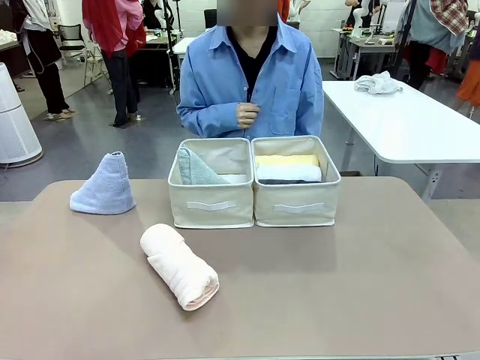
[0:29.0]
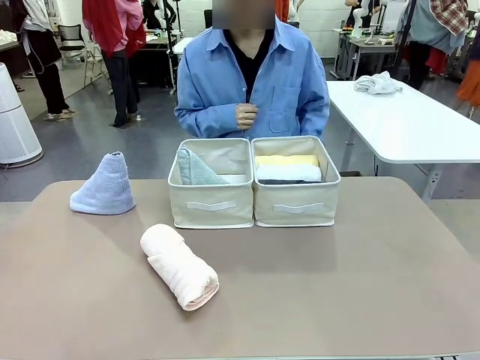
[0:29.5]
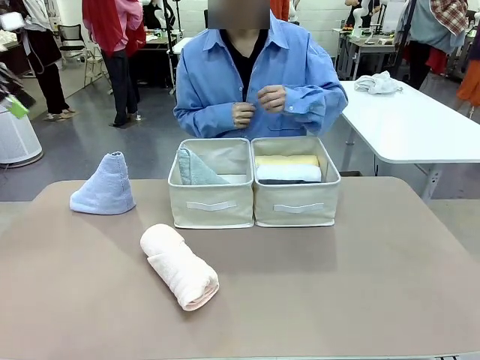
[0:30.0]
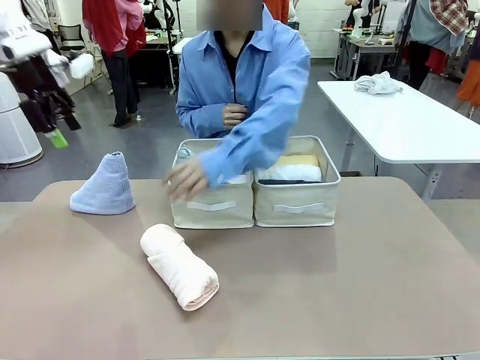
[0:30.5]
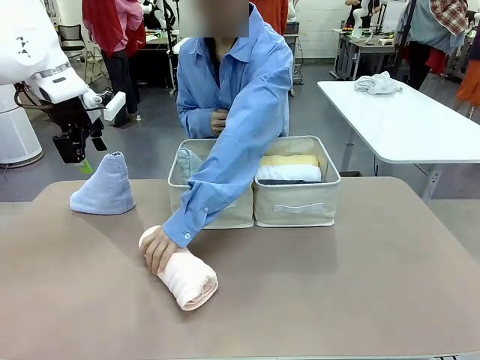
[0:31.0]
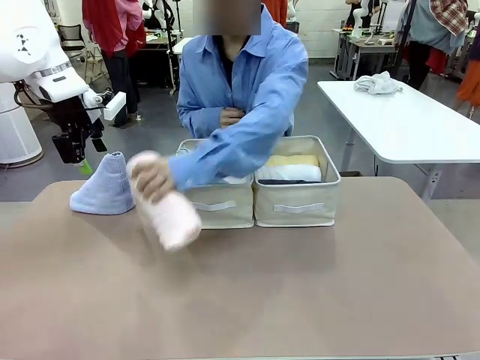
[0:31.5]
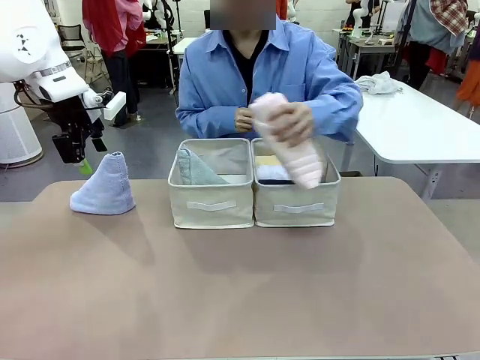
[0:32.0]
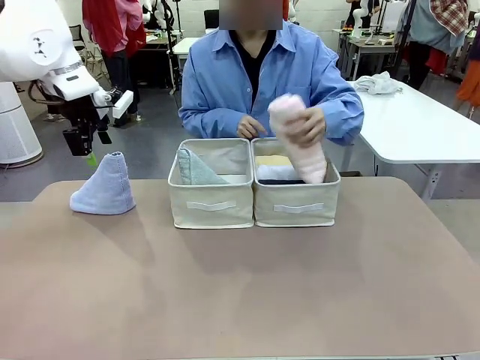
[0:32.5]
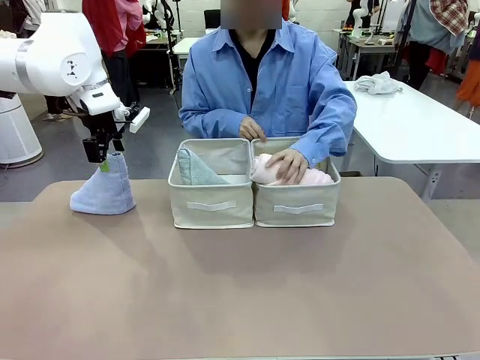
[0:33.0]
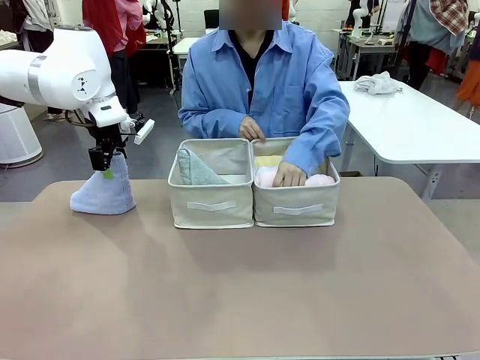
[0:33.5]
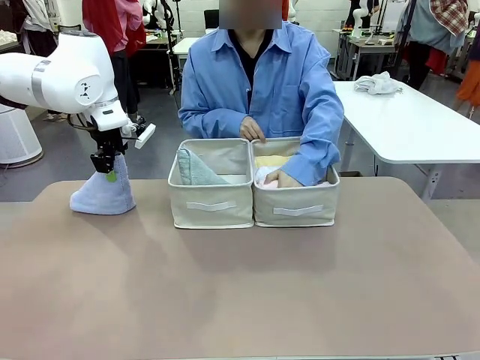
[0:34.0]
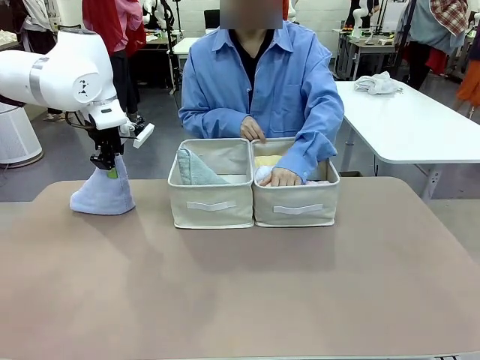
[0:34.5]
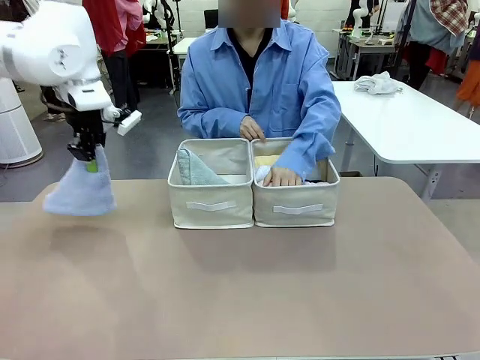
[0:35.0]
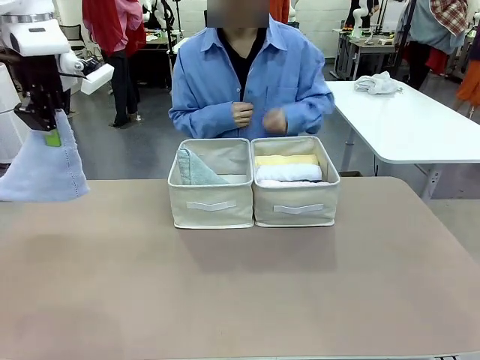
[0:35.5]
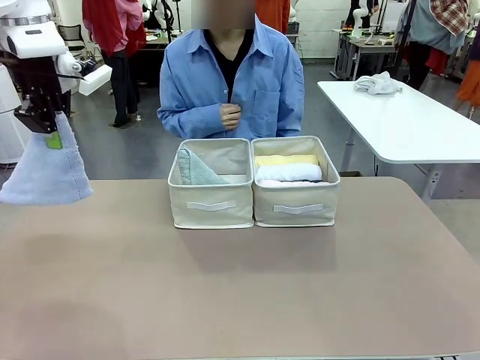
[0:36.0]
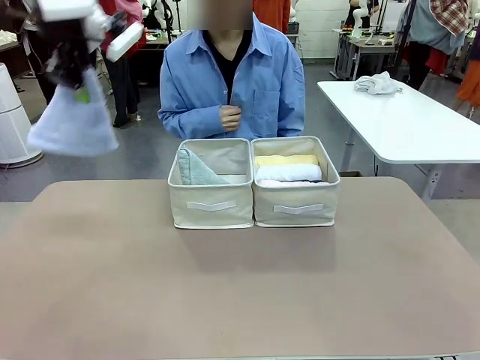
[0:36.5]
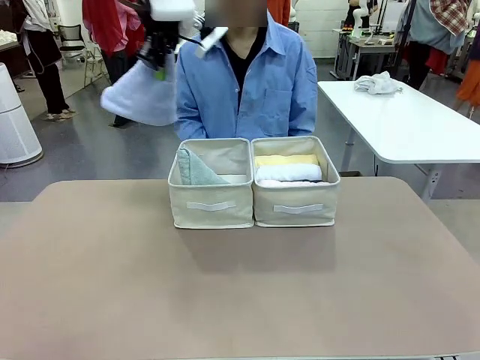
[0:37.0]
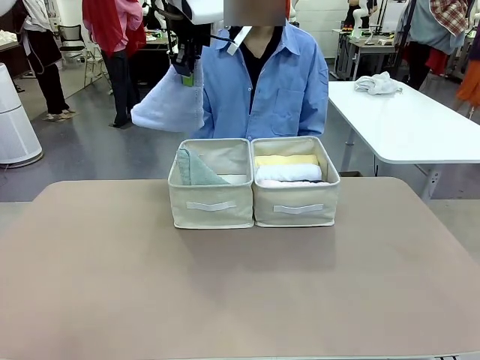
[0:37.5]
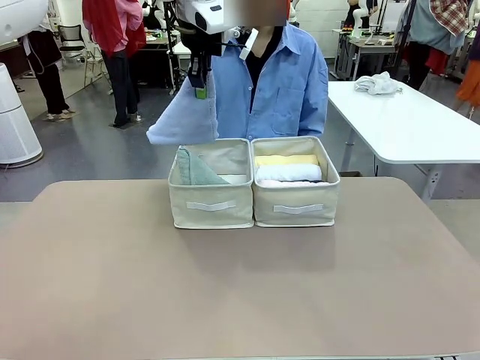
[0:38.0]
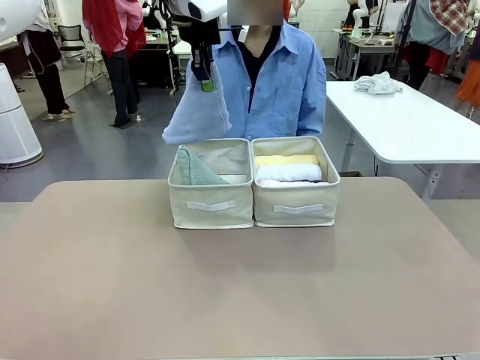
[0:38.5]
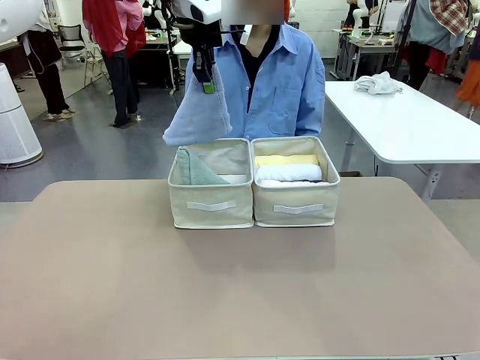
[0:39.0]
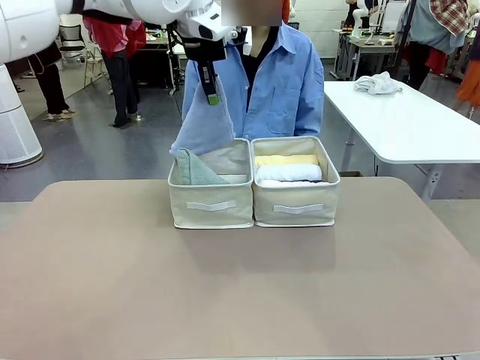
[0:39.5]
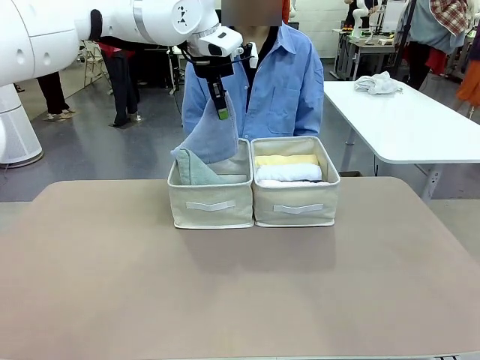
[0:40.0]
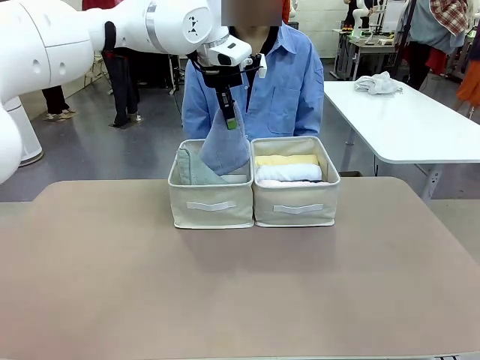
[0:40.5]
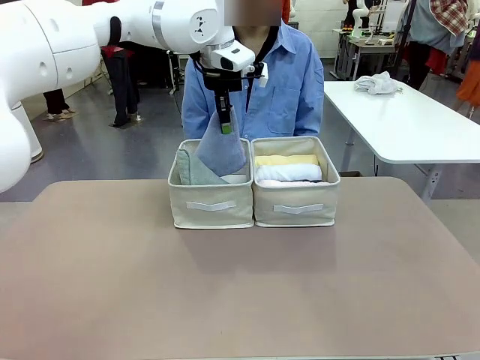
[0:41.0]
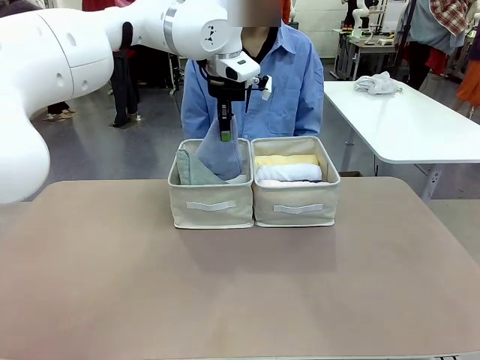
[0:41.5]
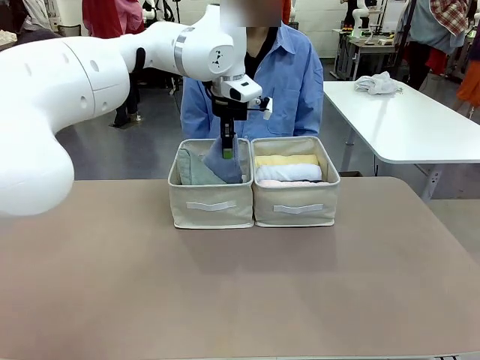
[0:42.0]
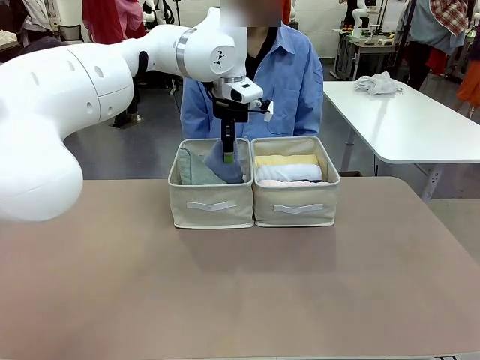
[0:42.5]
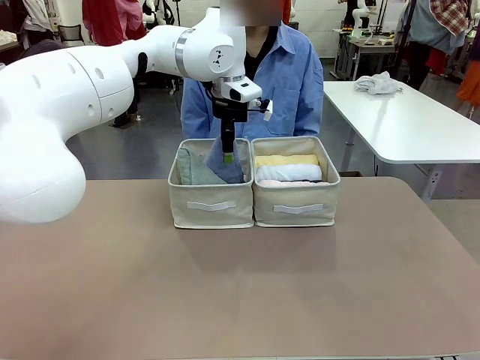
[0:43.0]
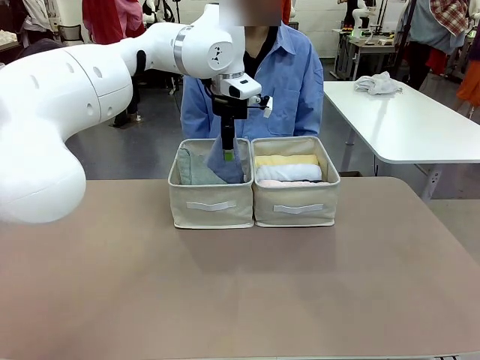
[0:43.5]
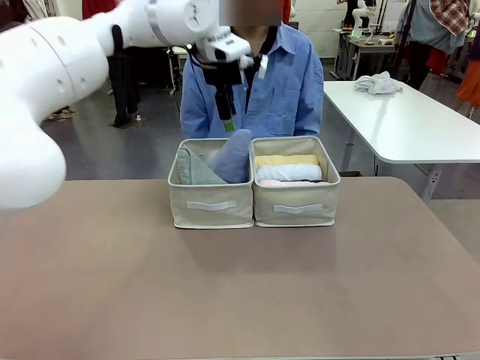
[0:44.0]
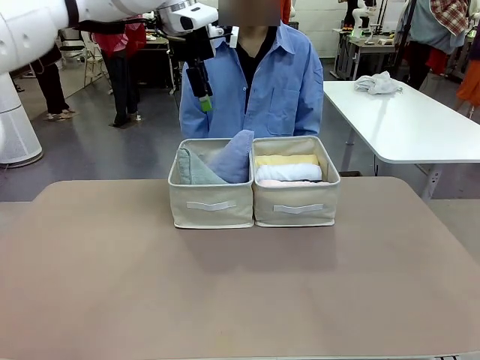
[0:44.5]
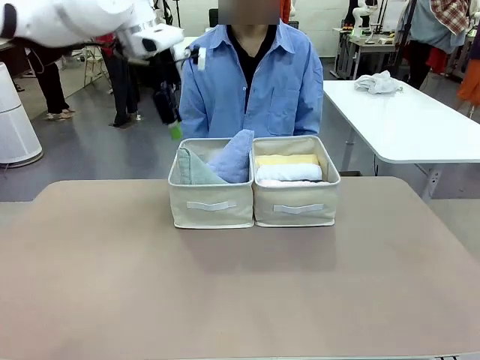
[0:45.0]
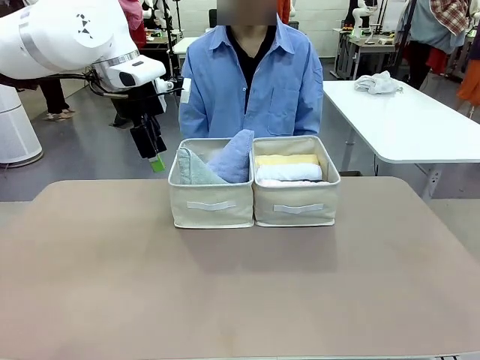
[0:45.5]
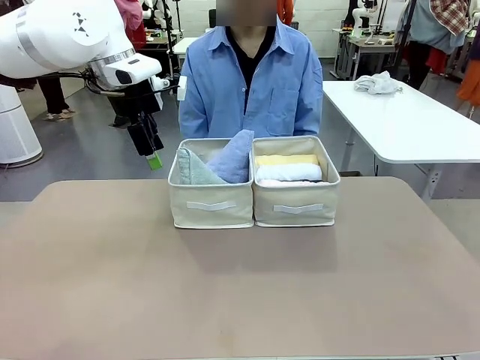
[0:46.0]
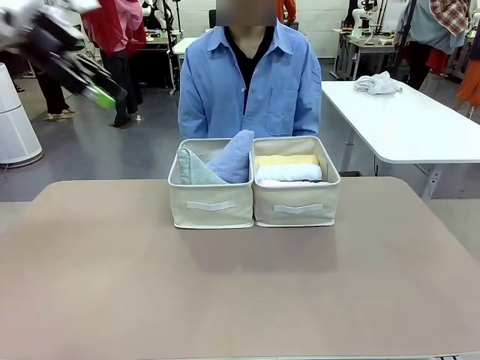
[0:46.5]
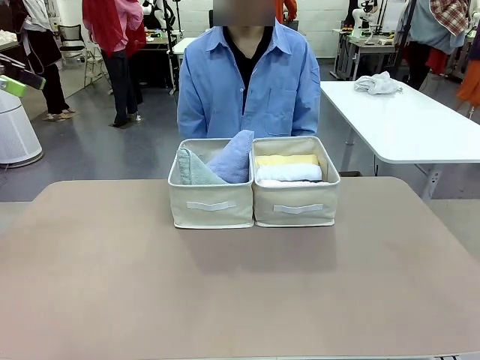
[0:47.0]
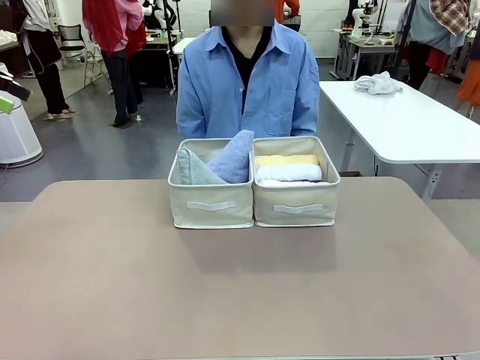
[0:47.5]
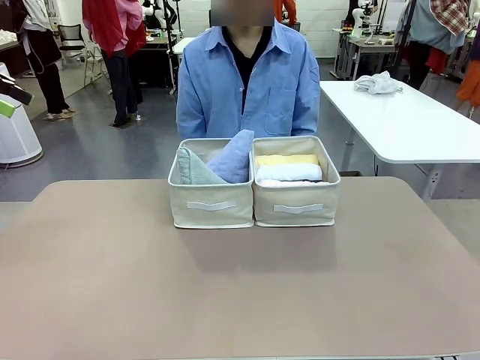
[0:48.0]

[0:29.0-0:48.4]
Task: Sort the towels based on their folding style.
Robot: Pick up another triangle-folded towel from the table and place it in the left Fabric basket.
Person: Pick up one hotel-style rolled towel from the table and place it in the left fabric basket.

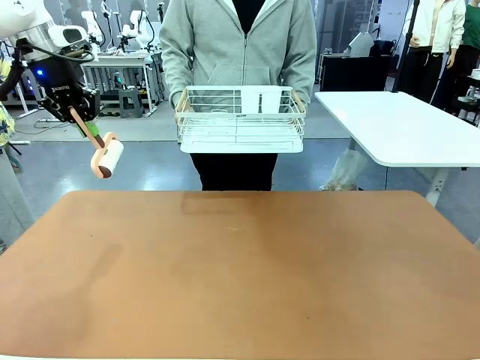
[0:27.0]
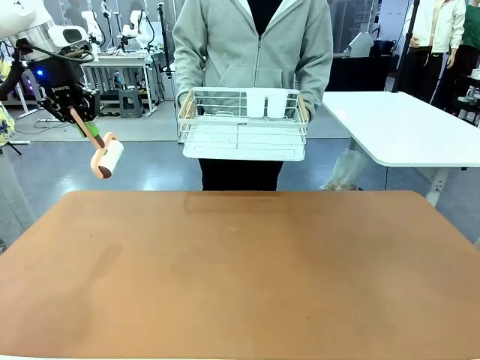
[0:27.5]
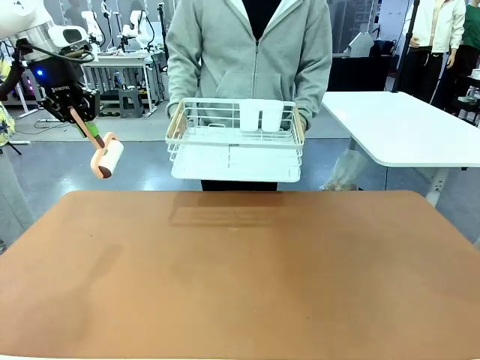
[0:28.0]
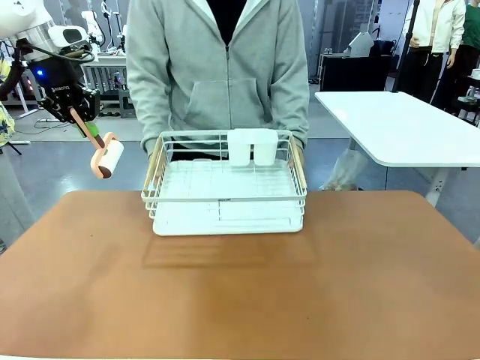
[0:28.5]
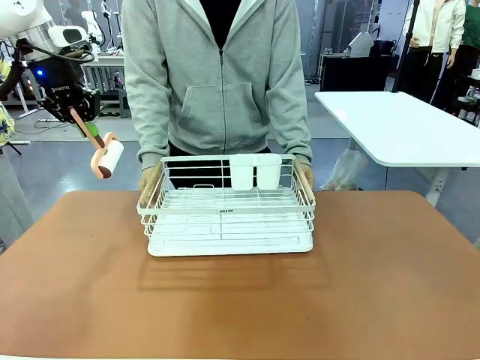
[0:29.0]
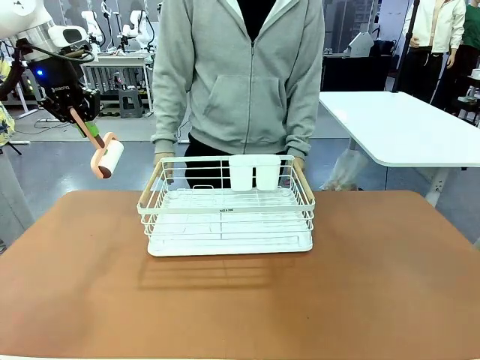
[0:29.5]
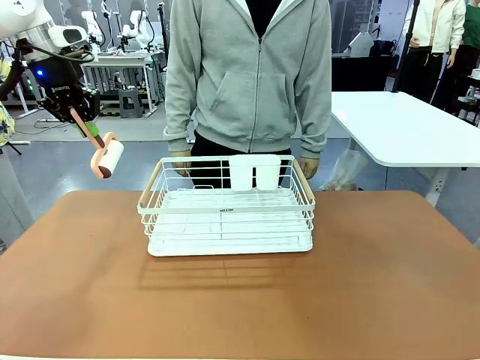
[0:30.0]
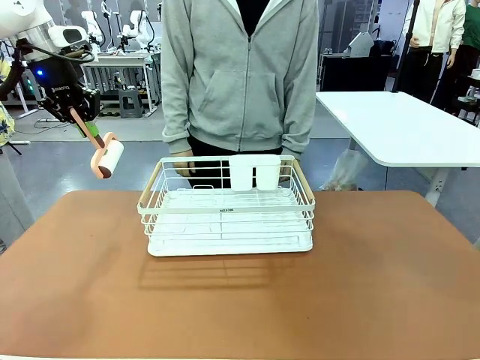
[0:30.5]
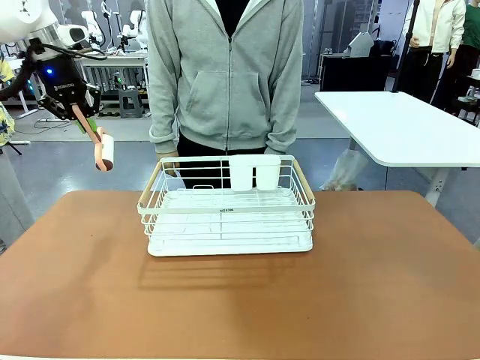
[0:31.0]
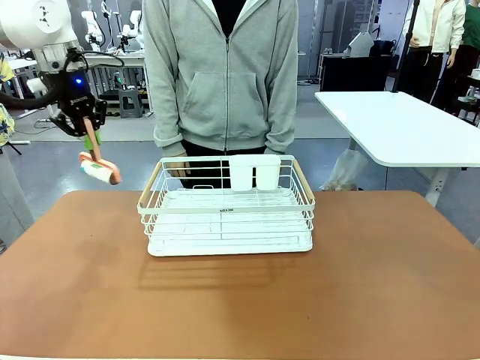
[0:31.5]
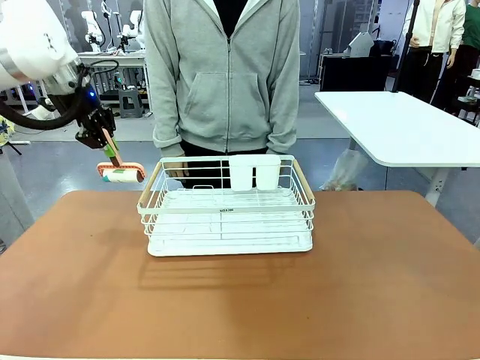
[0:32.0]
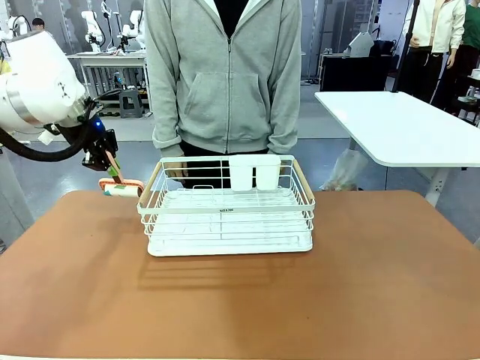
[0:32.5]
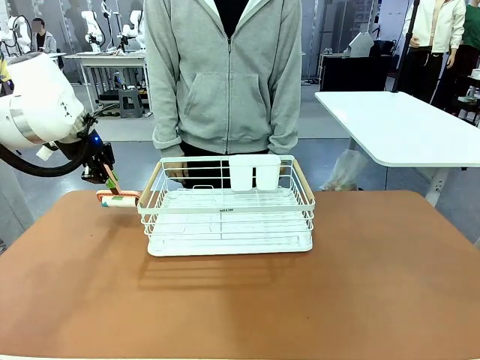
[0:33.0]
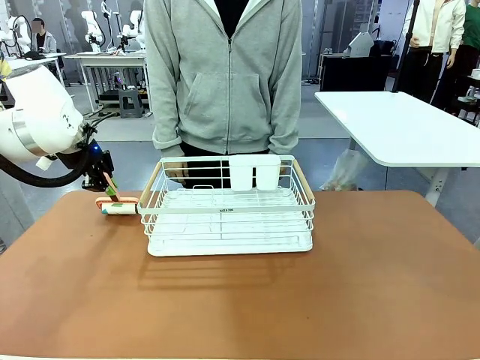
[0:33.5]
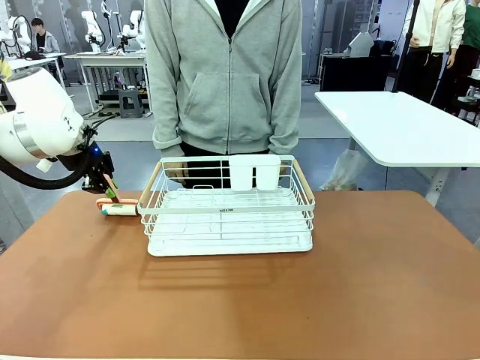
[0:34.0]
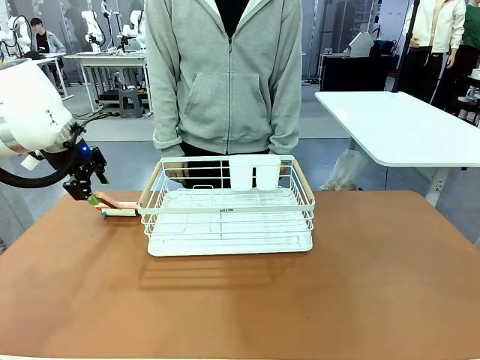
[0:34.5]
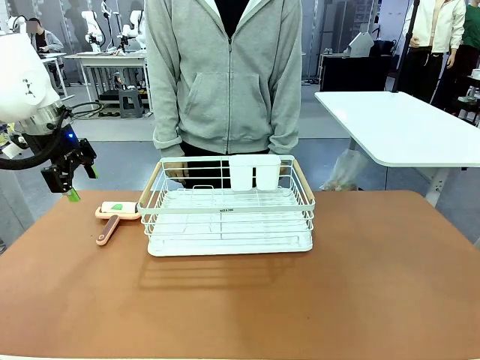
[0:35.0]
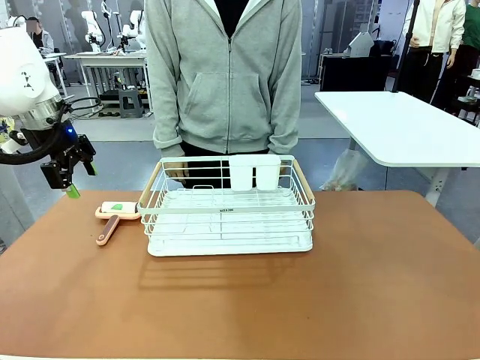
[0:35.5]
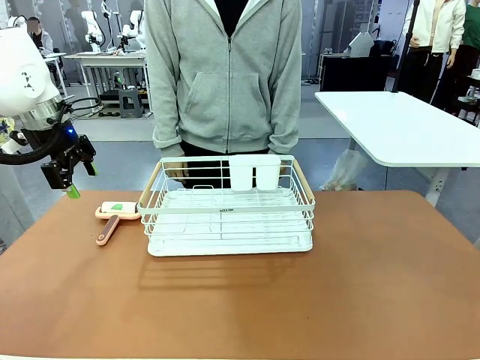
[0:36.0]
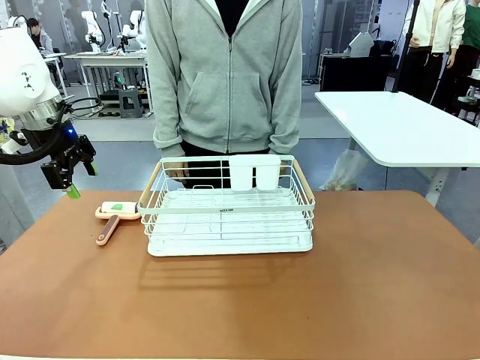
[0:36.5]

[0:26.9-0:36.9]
Task: Clean the table.
Robot: Place the Lint Roller down when the Dish drying rack is positioned in the middle of the table.
